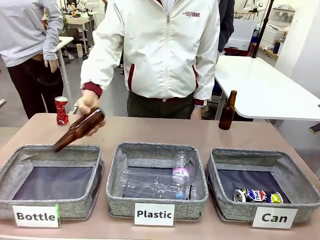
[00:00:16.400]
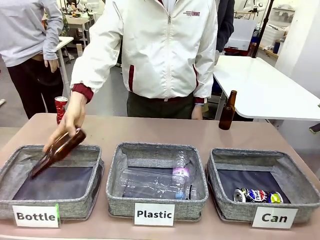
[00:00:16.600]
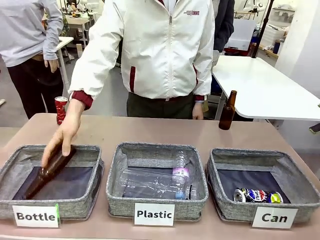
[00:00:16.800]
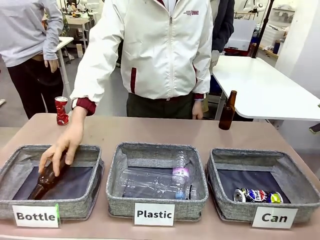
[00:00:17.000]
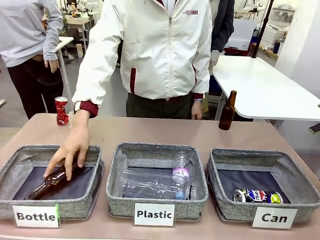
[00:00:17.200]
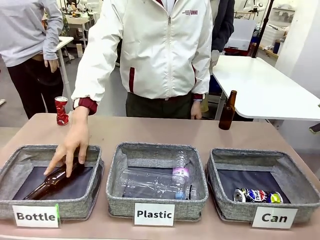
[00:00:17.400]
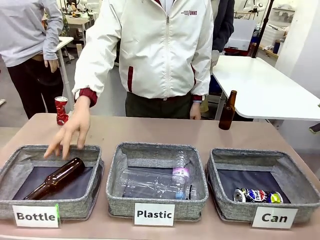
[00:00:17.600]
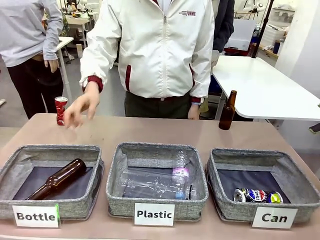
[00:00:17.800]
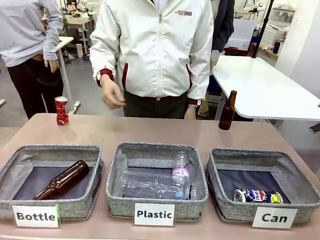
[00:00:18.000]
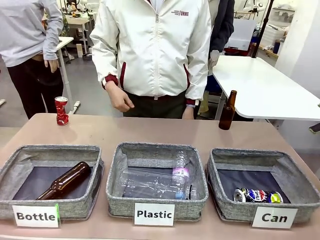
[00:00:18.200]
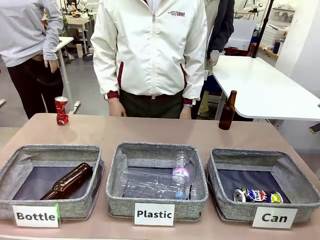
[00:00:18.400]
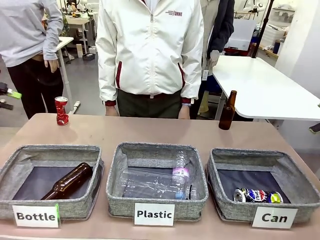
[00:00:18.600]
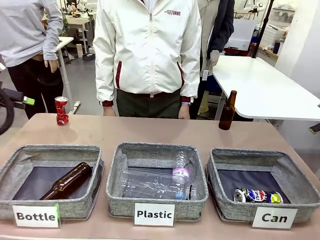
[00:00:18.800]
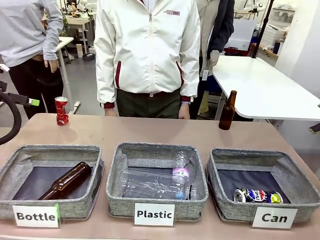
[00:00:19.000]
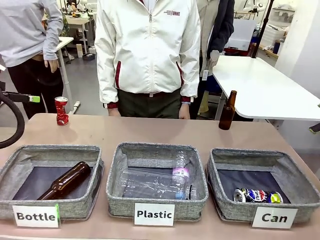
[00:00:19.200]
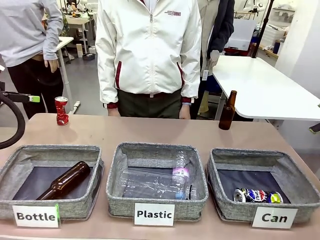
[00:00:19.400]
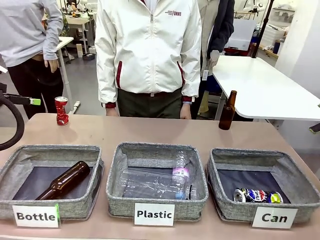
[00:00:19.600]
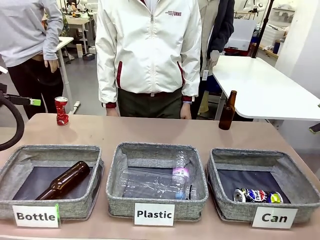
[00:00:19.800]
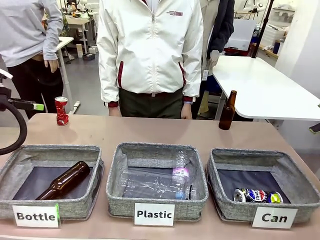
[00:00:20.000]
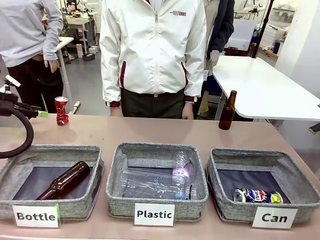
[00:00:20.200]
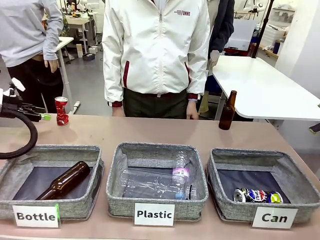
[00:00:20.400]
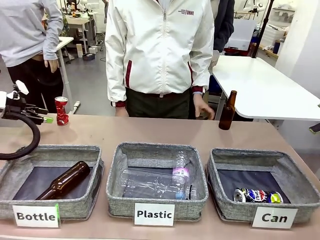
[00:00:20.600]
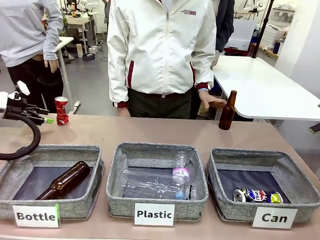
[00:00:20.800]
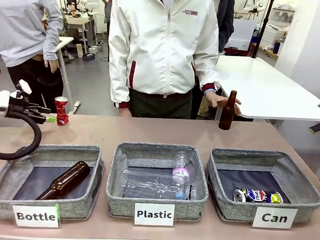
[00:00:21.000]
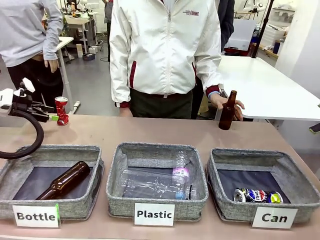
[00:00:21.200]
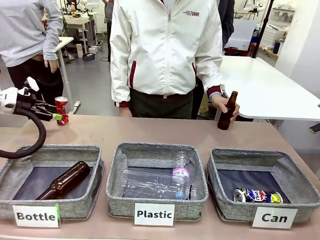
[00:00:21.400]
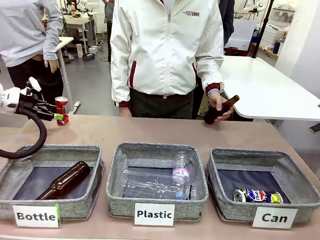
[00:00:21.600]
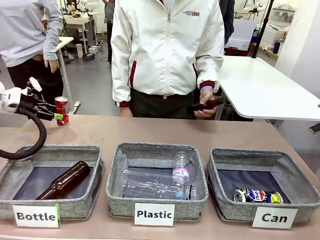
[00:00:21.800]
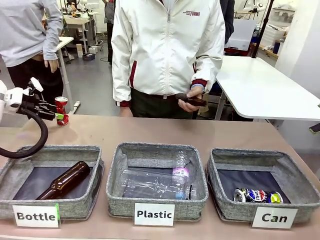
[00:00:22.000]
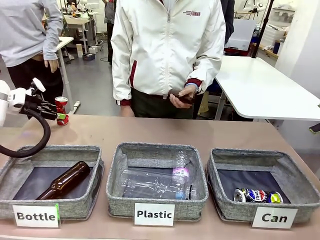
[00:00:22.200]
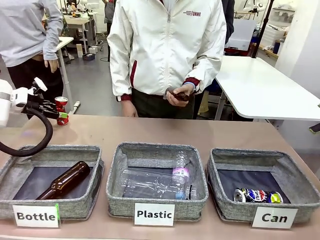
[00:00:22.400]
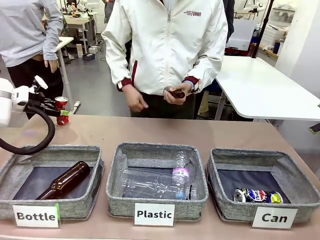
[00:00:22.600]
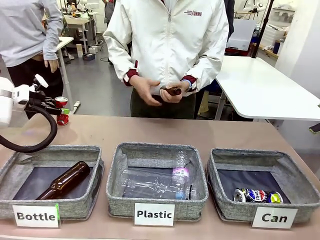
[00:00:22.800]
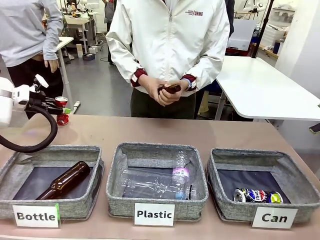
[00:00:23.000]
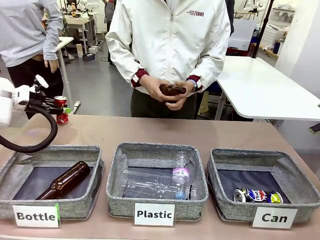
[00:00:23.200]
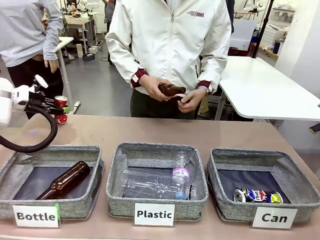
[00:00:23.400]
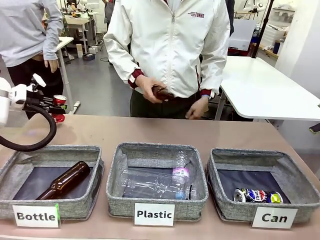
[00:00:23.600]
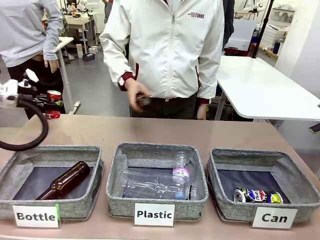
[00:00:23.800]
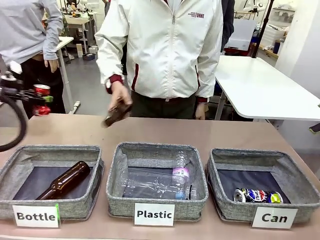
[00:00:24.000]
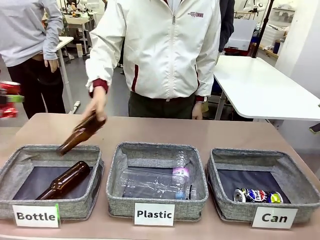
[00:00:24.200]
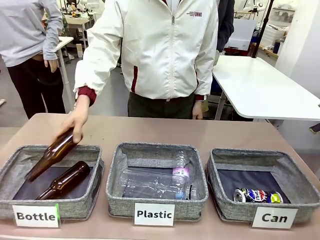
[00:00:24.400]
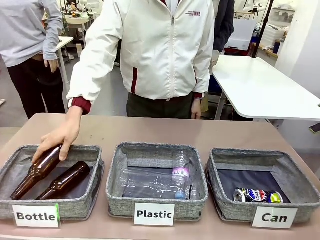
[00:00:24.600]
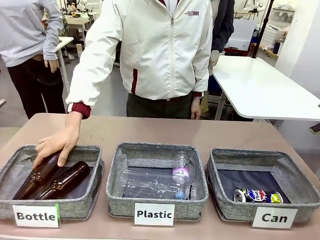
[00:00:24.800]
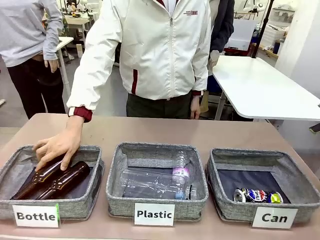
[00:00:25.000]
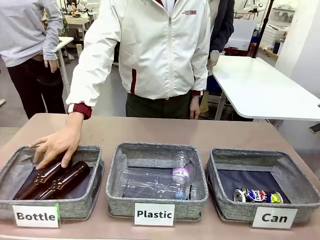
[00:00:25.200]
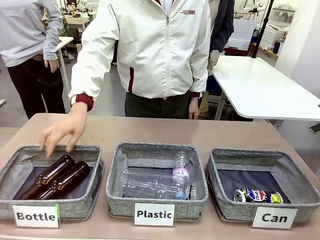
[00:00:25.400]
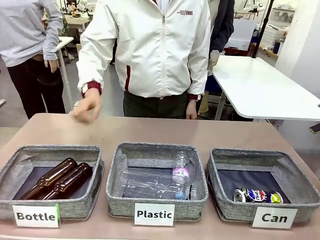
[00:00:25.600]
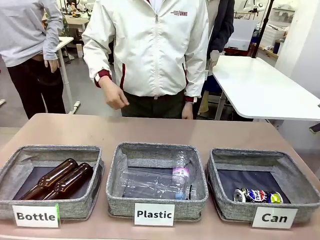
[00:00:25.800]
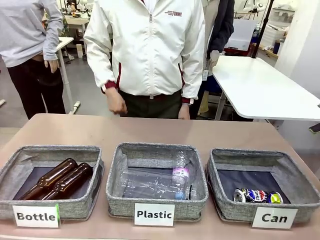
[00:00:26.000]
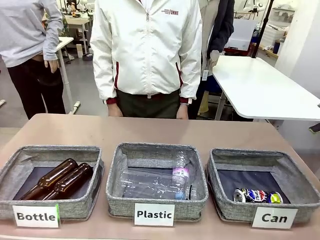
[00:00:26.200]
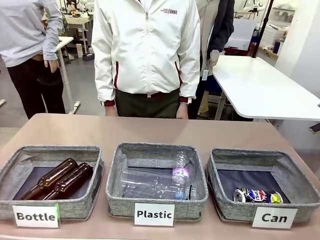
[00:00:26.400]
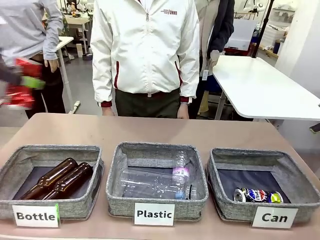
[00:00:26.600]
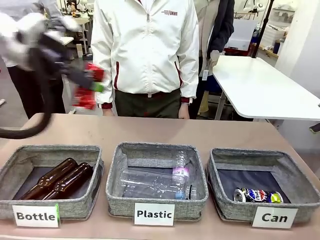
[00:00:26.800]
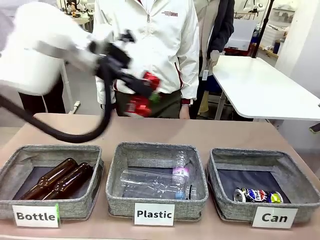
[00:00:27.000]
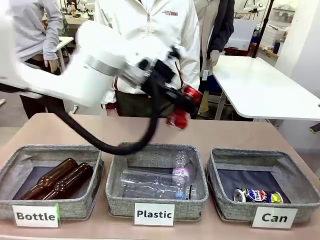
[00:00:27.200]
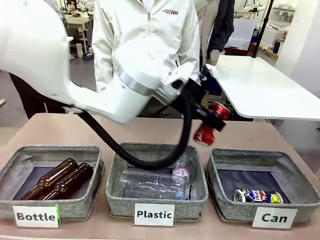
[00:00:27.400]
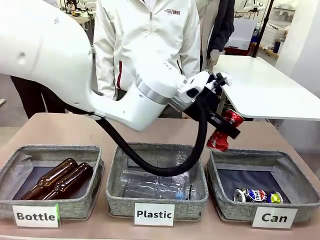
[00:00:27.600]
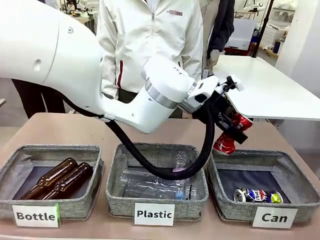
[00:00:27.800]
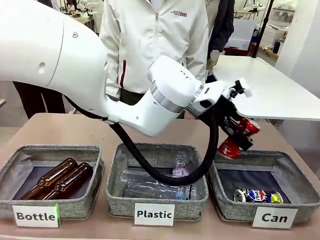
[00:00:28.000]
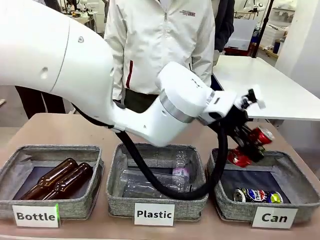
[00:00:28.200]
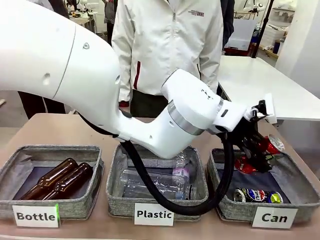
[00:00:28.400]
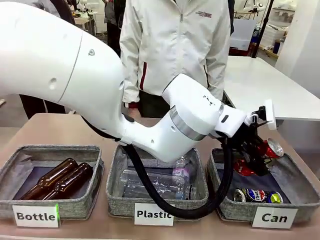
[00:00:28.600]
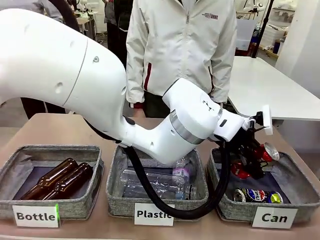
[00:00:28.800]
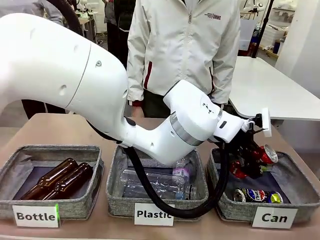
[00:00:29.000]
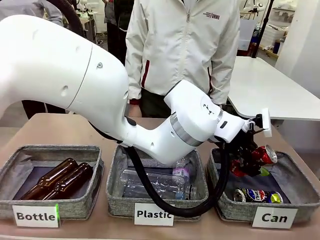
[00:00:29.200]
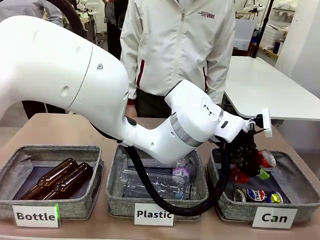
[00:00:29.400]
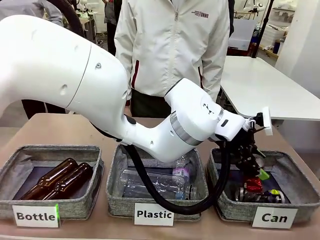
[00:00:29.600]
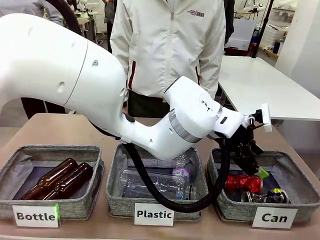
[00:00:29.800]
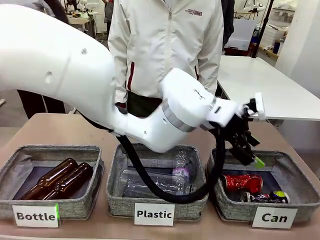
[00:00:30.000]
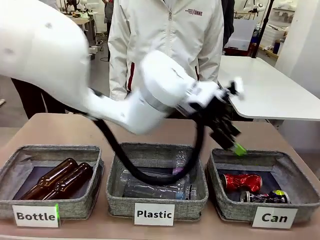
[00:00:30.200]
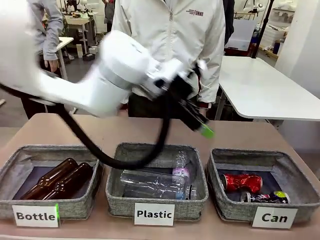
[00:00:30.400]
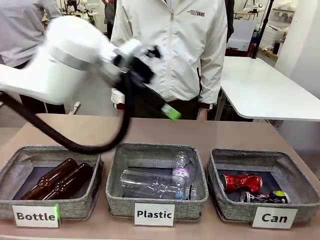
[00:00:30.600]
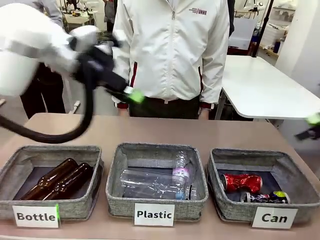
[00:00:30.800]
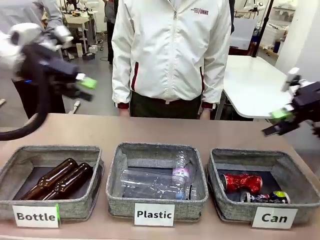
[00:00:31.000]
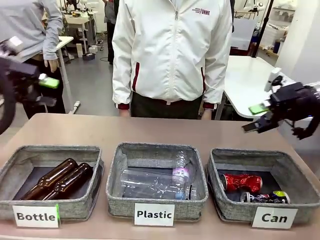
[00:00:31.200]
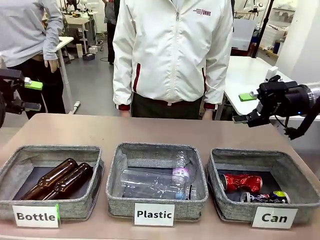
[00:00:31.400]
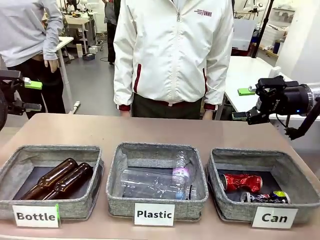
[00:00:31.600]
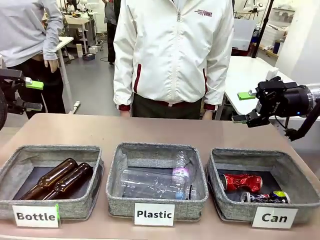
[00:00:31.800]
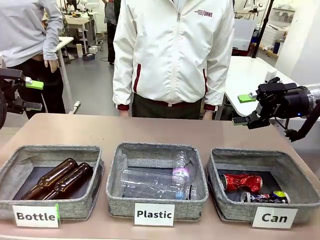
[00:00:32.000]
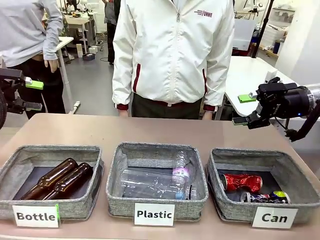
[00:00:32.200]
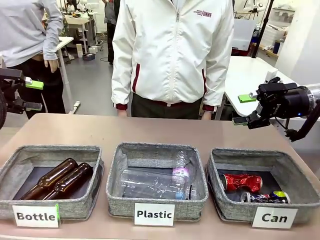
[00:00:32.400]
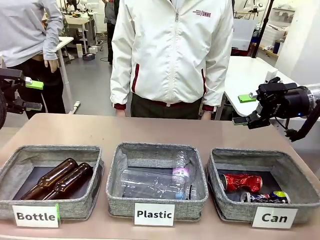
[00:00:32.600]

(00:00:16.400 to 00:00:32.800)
Task: Sort the can waste into the basket.
Robot: Pick up the can waste from the table and place it in the right Fabric basket.
